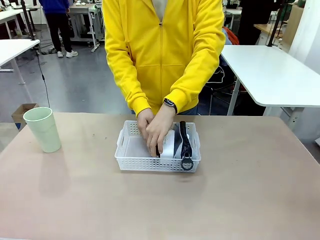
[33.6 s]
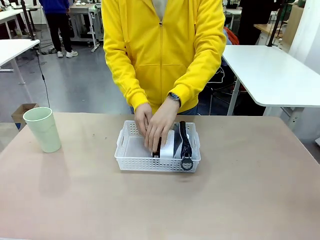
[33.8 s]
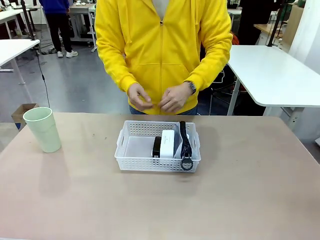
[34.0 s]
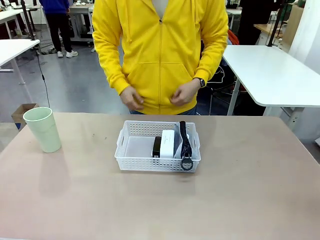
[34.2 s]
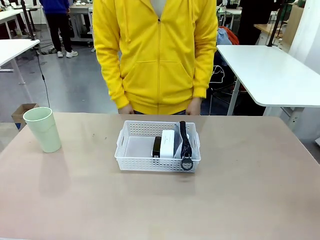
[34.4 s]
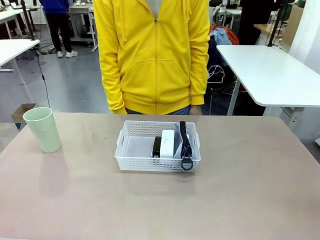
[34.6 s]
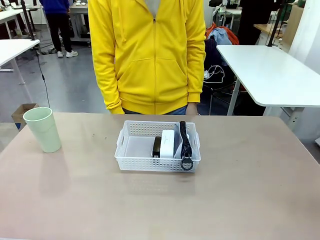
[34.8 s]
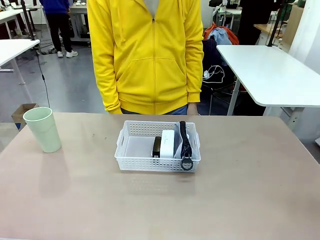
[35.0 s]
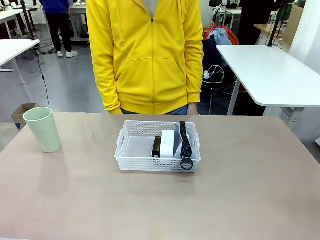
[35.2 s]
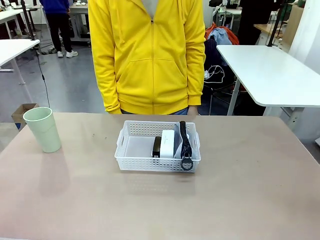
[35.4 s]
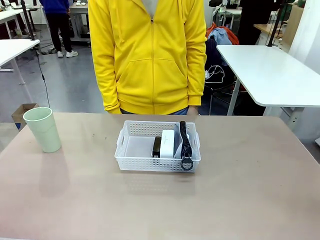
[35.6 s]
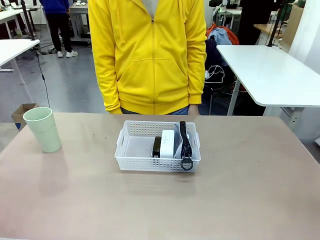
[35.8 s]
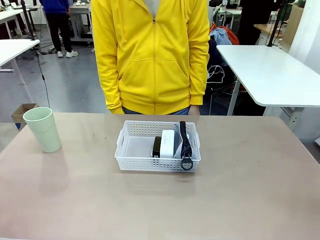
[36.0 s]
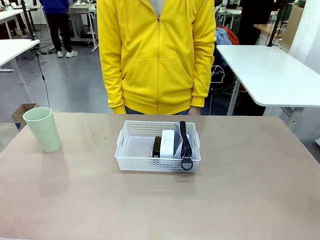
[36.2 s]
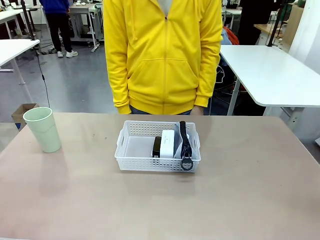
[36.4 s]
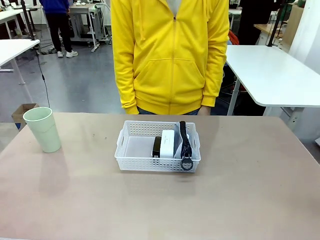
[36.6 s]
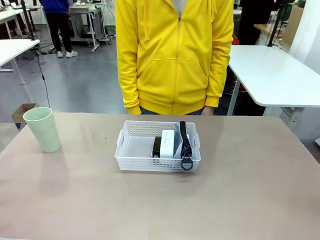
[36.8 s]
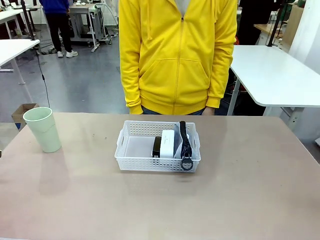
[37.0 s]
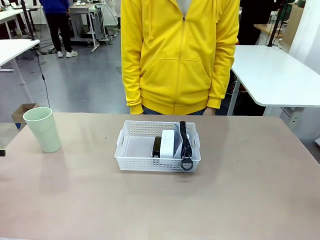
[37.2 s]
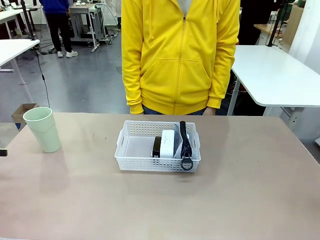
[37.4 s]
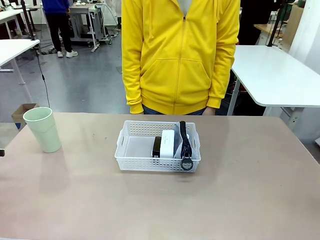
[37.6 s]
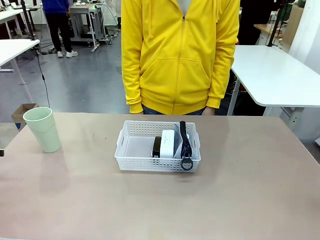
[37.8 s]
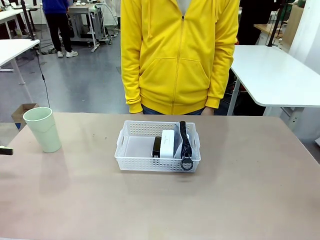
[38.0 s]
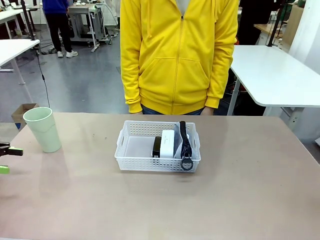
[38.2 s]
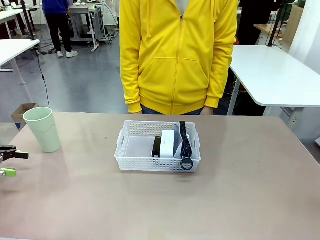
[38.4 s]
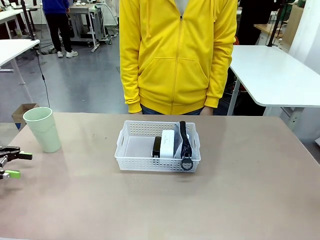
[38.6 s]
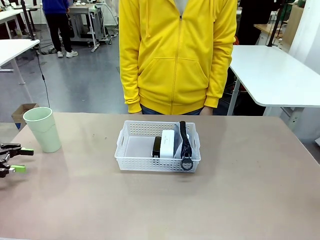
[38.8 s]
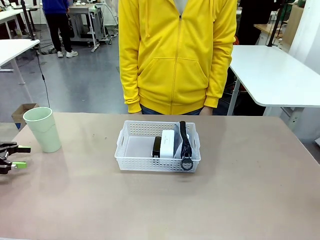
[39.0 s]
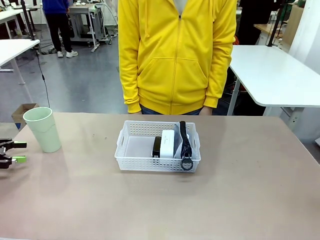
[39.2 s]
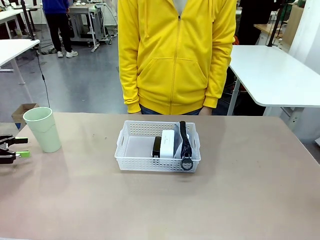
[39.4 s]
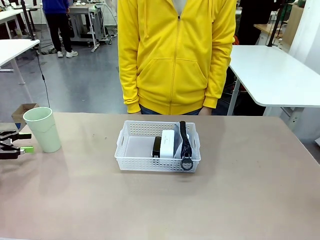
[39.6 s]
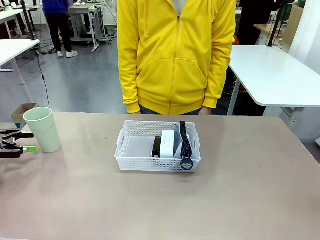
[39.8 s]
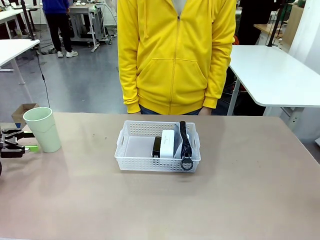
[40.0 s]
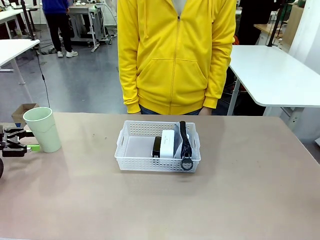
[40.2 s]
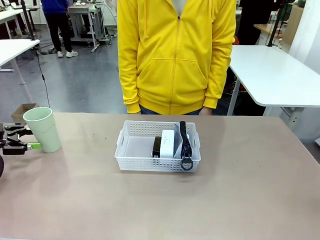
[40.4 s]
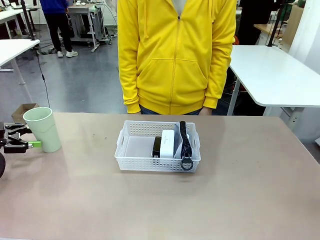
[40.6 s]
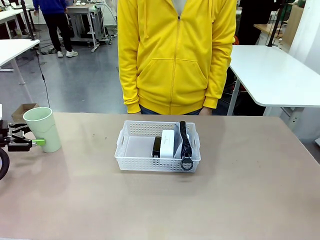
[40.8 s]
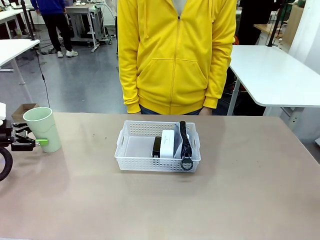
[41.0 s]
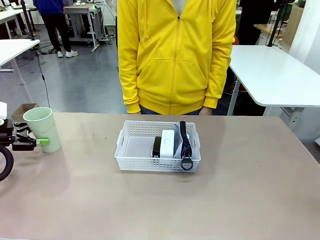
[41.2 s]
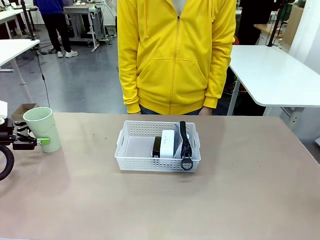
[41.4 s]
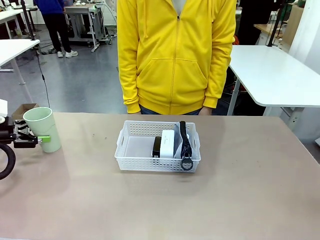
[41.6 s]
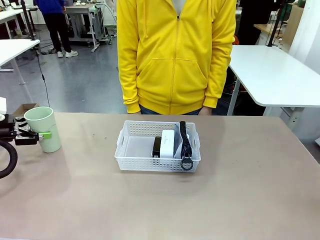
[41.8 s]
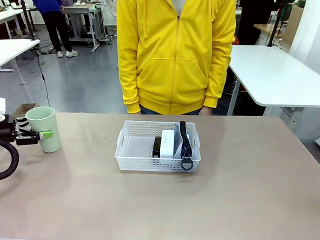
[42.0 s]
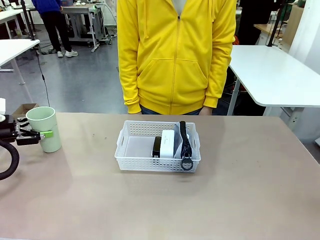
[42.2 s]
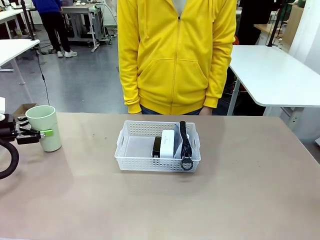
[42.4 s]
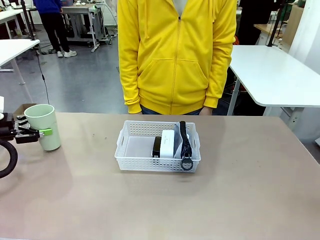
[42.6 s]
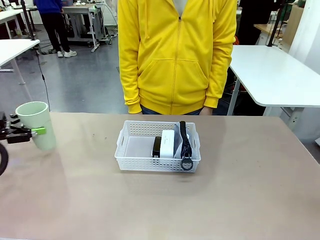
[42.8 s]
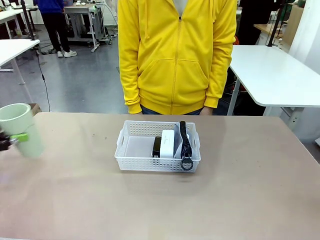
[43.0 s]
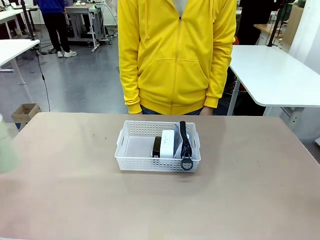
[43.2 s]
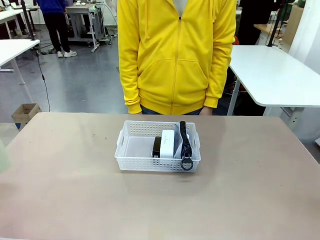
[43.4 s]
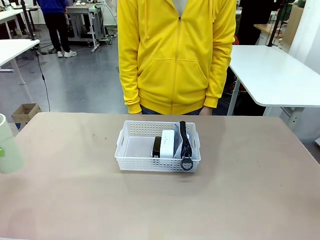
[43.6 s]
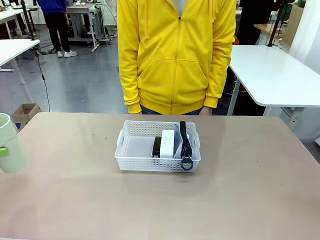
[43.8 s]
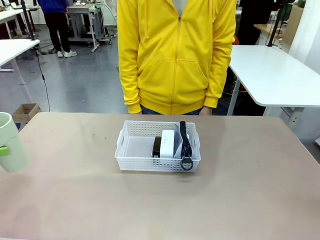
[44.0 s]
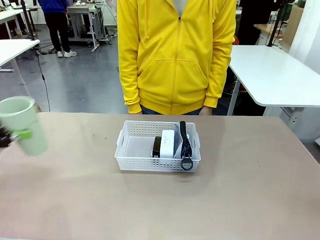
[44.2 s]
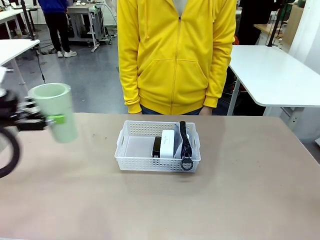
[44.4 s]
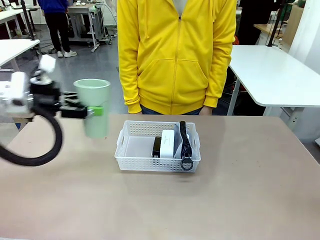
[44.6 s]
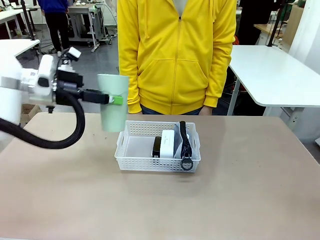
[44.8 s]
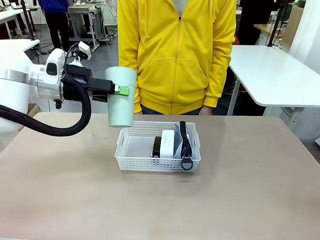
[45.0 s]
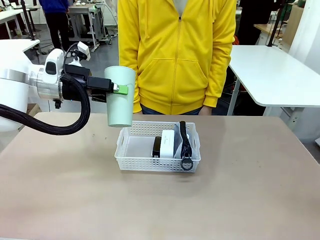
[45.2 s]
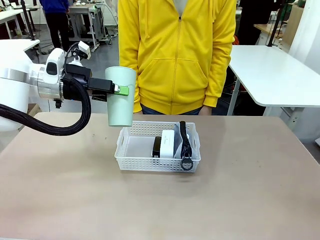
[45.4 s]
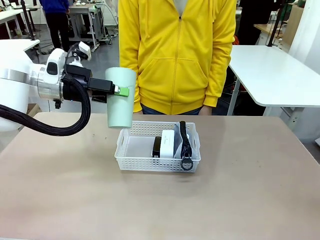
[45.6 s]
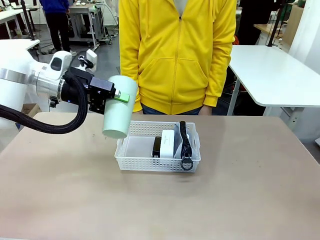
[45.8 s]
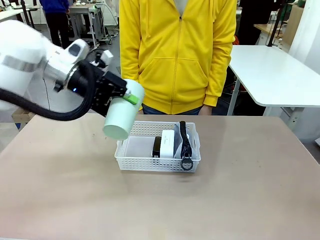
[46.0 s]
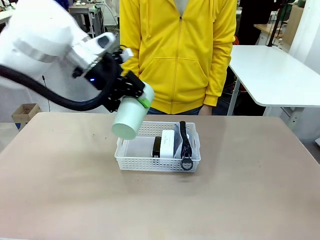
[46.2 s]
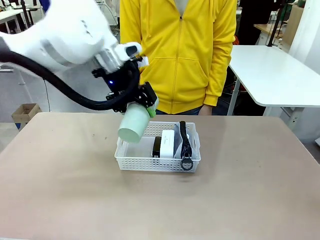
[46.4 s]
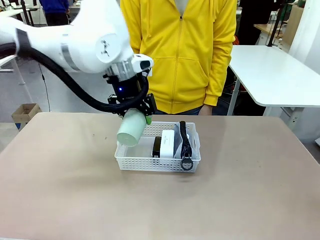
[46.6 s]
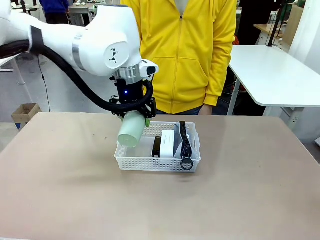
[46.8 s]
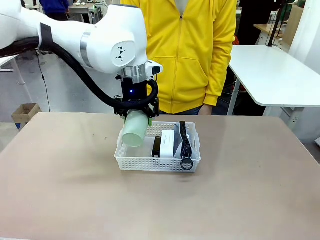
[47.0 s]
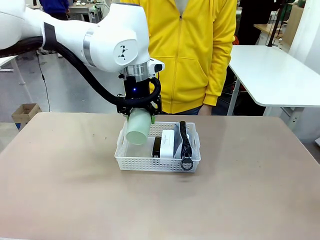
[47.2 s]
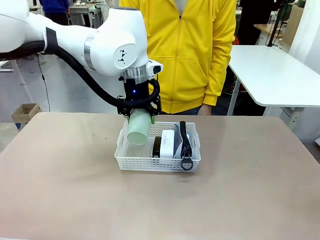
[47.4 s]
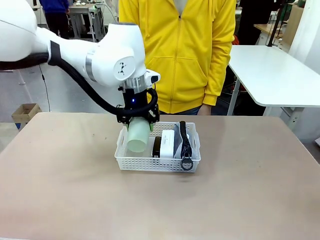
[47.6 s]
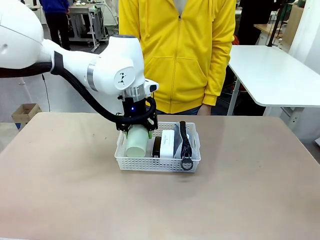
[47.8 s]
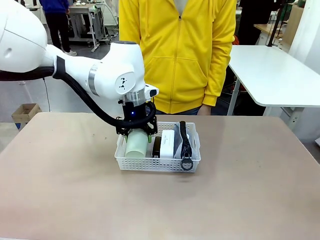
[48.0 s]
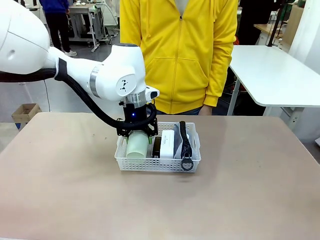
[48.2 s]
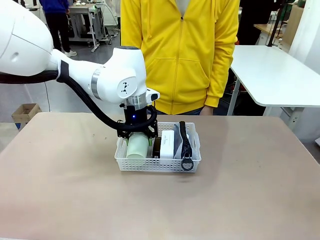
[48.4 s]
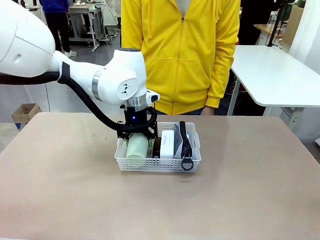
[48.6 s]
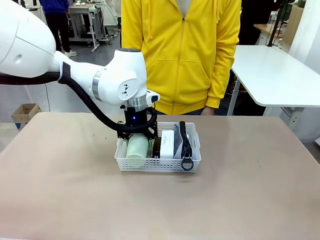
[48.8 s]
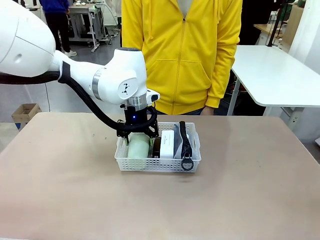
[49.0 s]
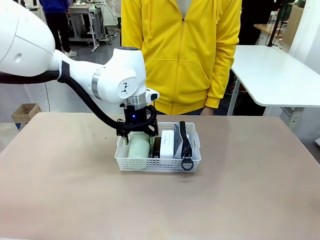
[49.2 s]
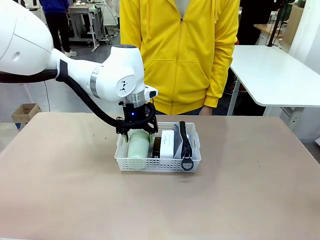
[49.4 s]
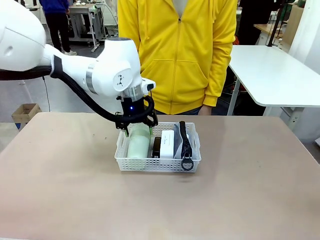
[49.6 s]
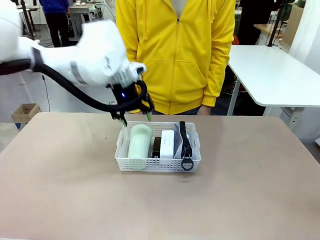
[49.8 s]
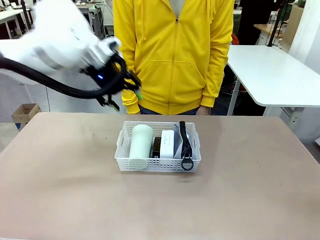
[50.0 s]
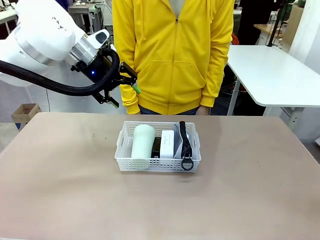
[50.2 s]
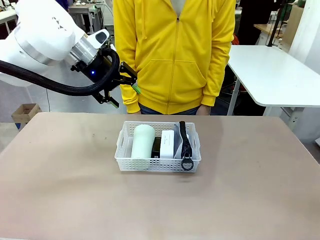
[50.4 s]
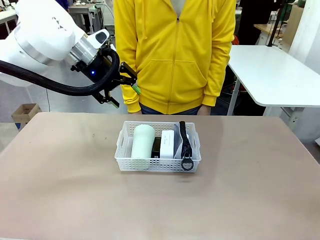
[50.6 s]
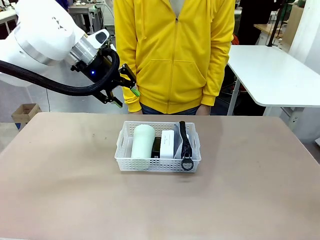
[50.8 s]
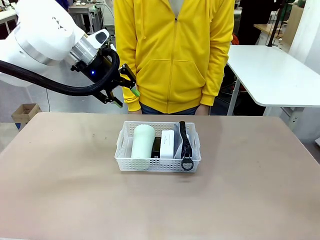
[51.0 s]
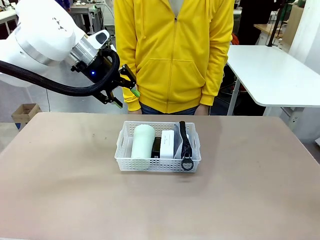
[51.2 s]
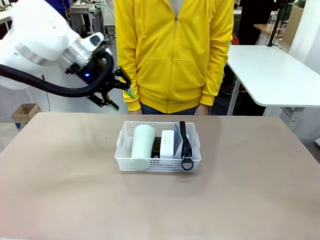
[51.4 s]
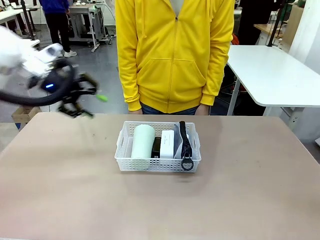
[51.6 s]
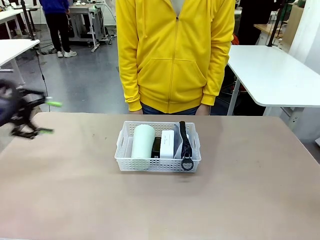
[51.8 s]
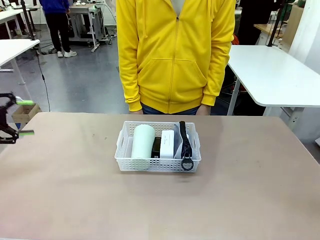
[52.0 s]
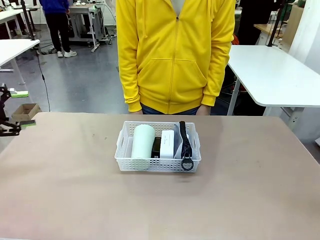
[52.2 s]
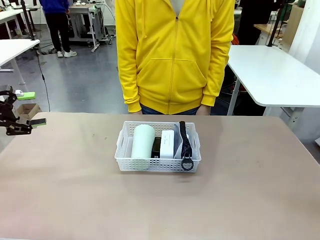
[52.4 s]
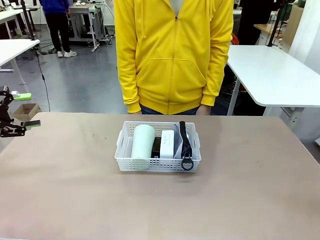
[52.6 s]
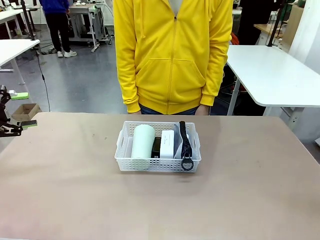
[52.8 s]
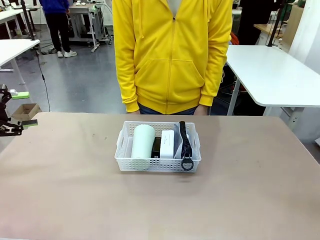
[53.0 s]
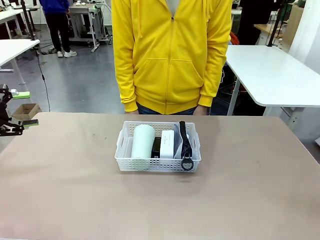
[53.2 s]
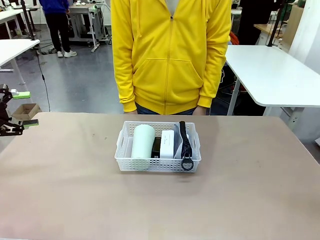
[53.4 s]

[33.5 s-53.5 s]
Task: Efficiently arrange items inside the basket to fit them all.
Robot: Pick up the Reusable plastic cup and place it inside the Organizing basket.
Person: Repositions the stapler.

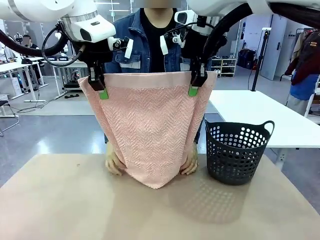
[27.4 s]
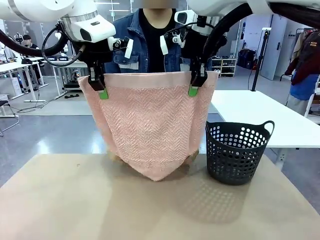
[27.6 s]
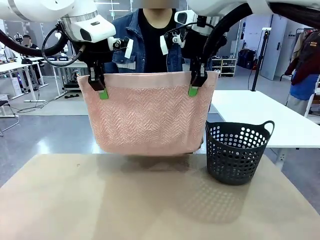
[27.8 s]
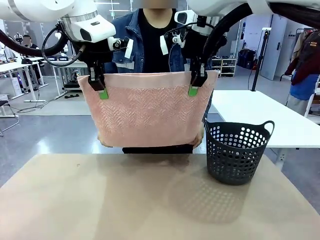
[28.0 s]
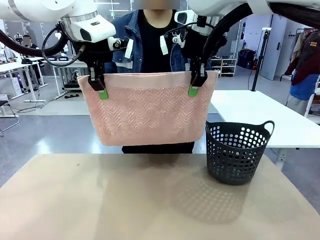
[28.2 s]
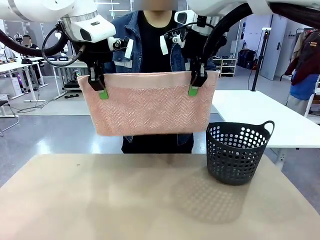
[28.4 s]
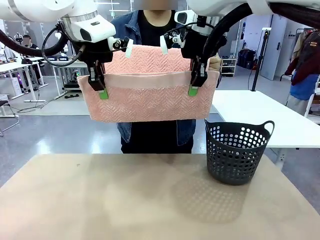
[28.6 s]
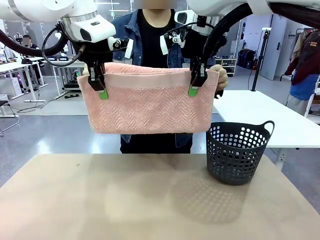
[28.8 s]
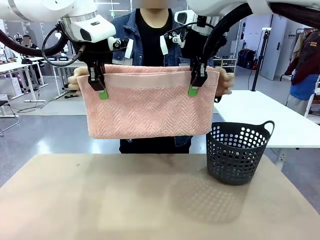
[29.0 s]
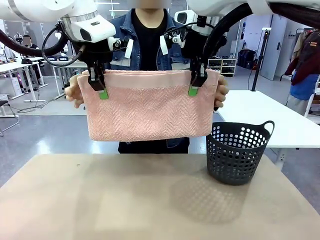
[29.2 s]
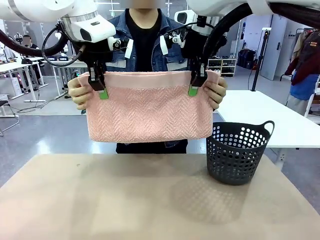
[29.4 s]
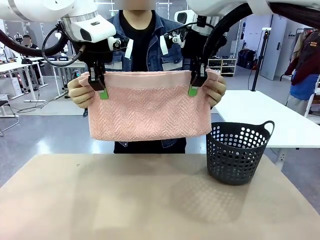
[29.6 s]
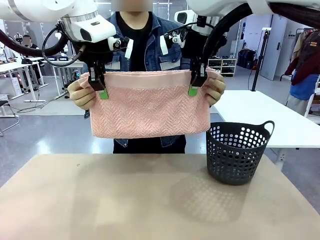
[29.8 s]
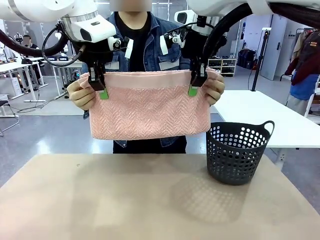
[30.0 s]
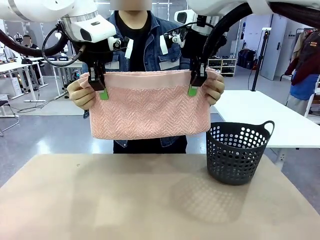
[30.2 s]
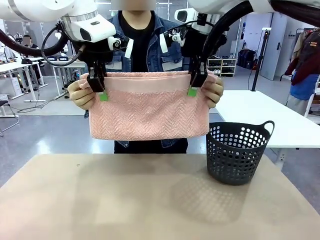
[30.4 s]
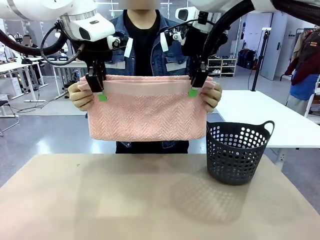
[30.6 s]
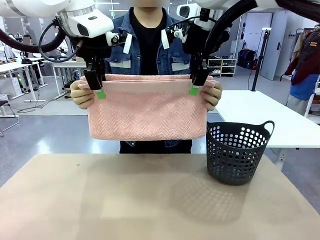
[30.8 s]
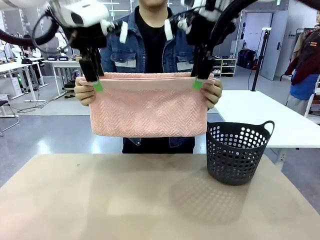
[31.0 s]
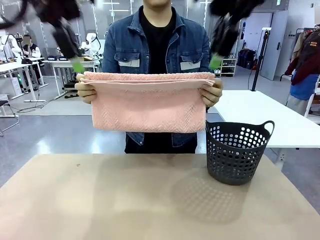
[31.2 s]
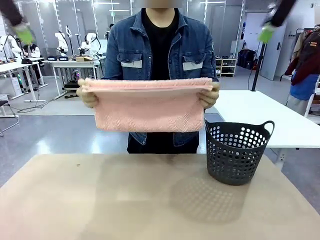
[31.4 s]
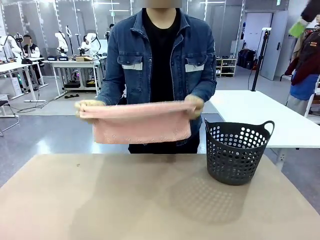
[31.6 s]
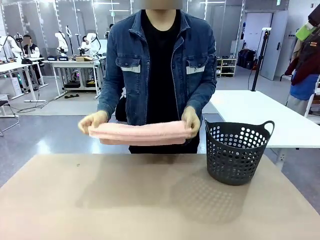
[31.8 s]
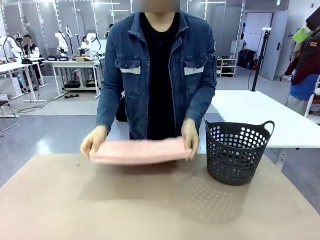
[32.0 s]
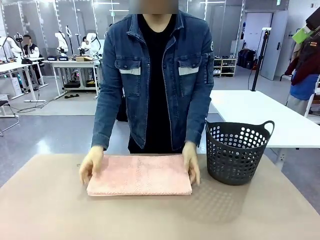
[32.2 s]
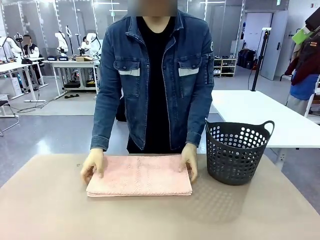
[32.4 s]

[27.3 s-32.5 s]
Task: Fold the towel.
Robot: Release the end of the 100 cm Hotel Towel you were holding.
